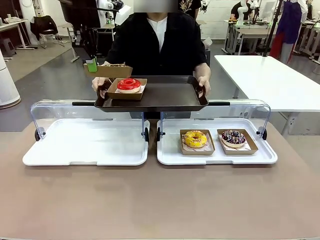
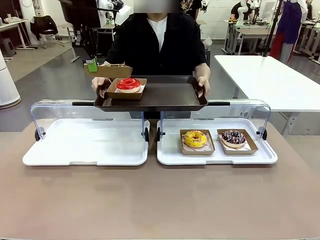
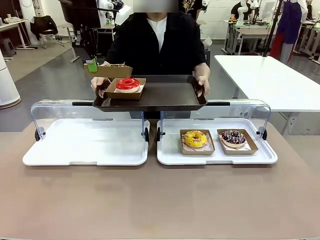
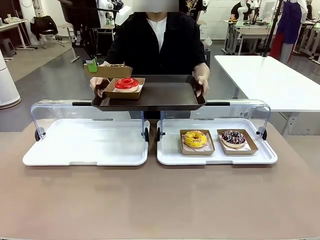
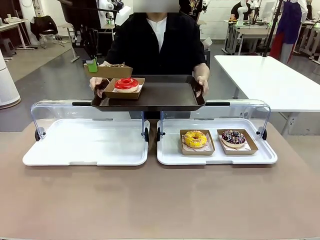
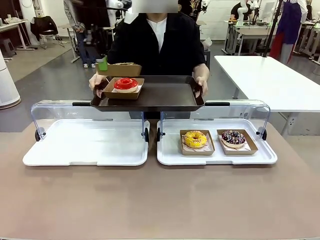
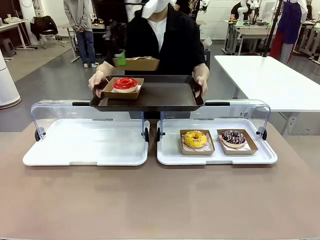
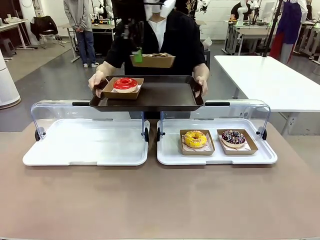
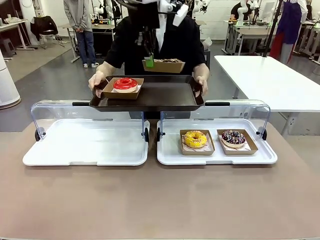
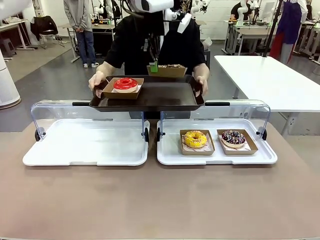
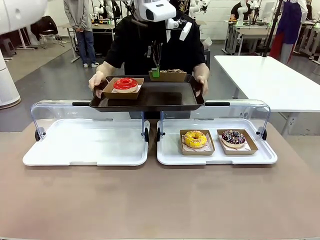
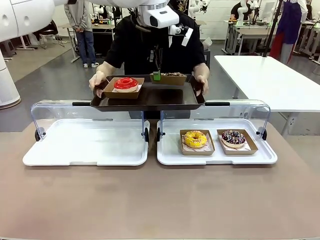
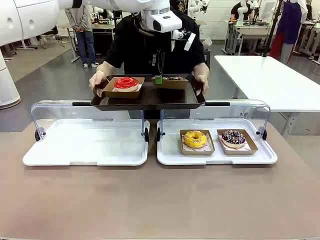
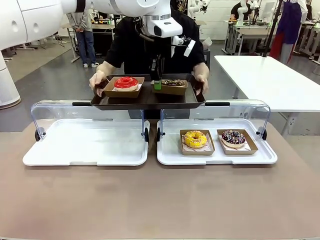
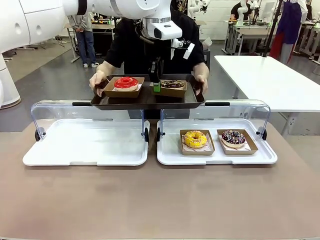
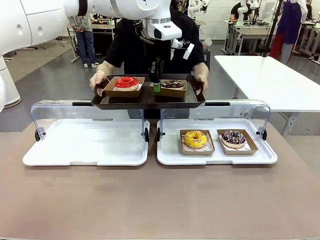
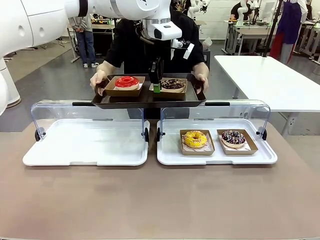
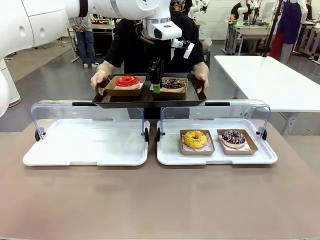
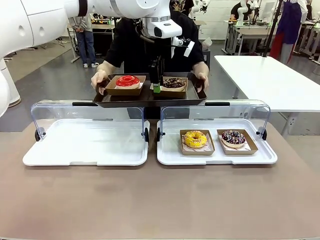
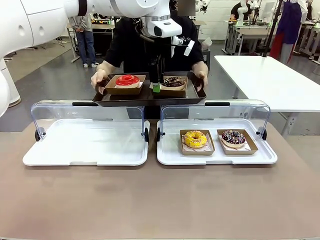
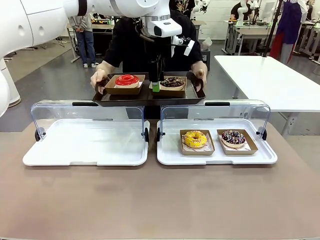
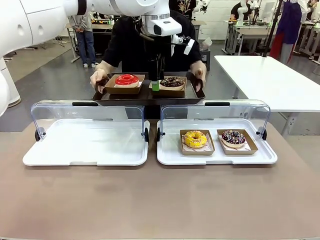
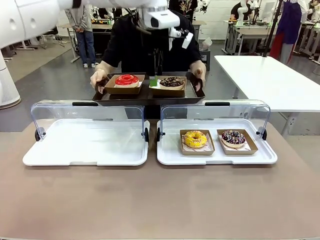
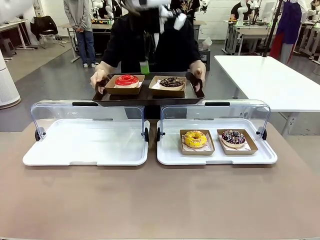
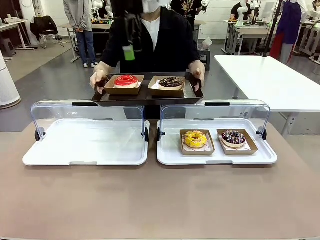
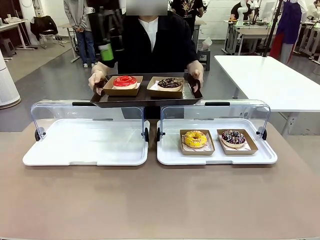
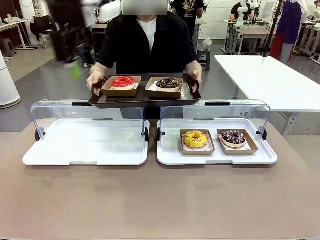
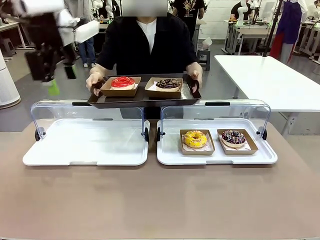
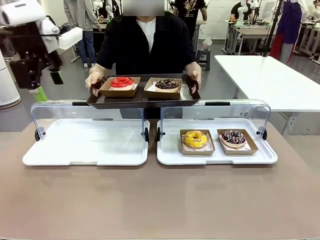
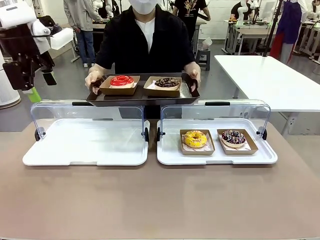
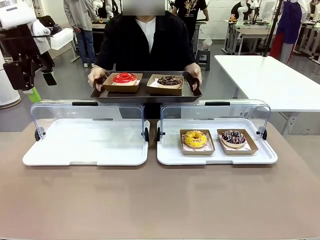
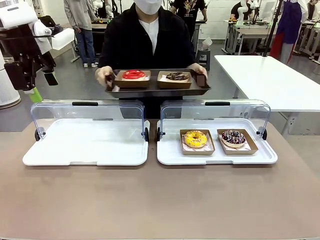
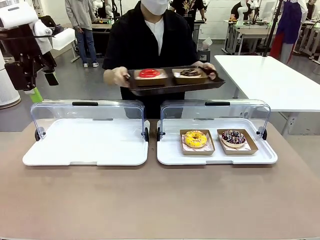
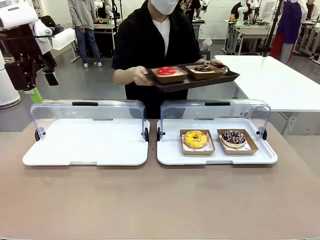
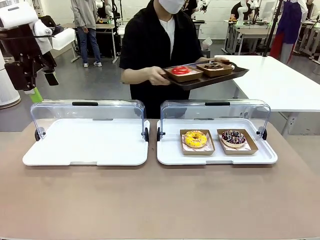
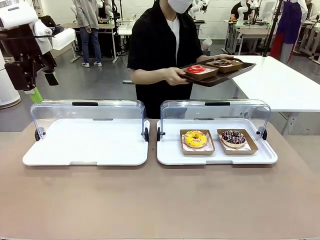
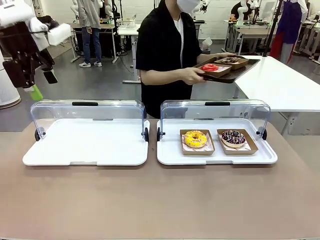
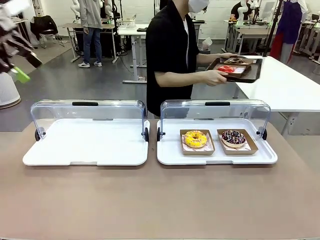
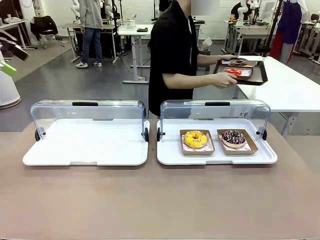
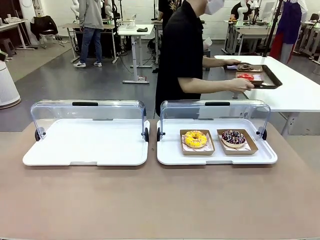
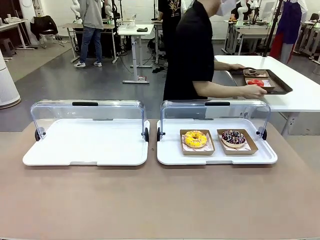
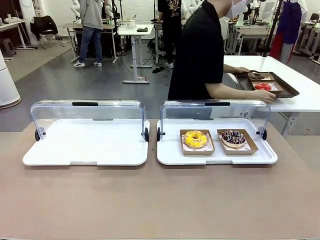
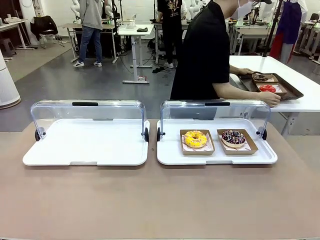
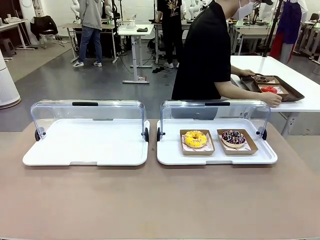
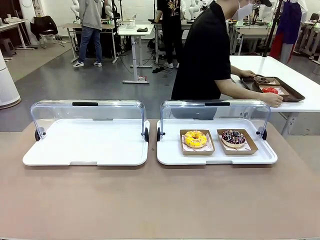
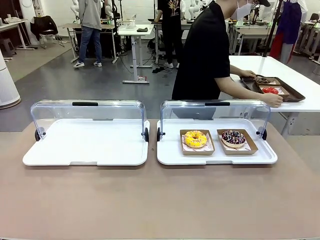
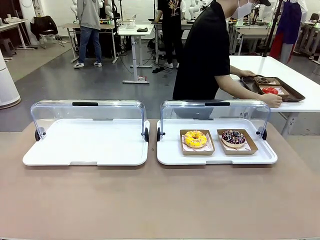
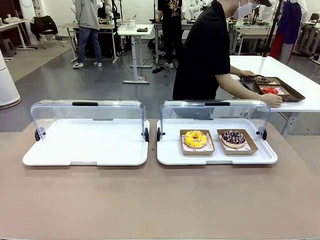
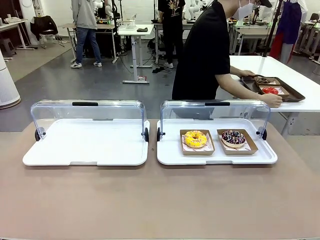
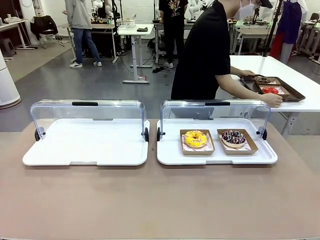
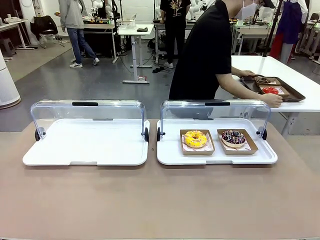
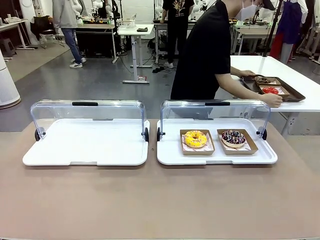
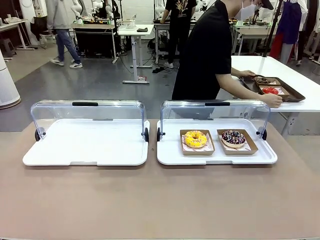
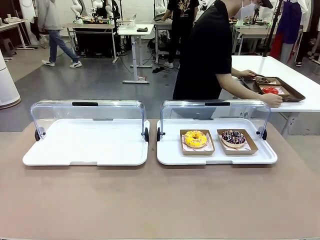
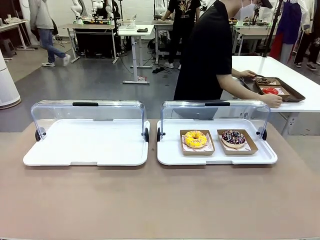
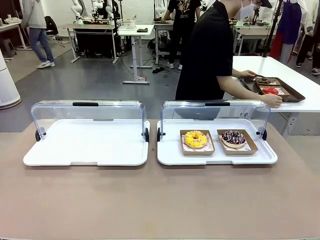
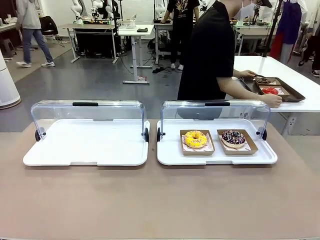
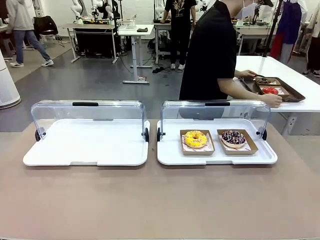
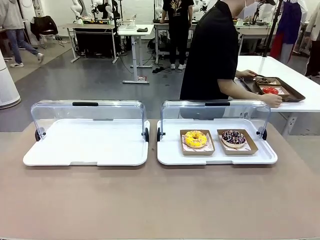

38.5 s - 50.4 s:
Task: Provide the desired donut to the person.
Robot: Place the picked Paper togo box onto the Handle tray extended by the person.
Person: Place the tray in the middle of the human table.

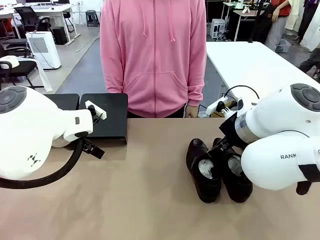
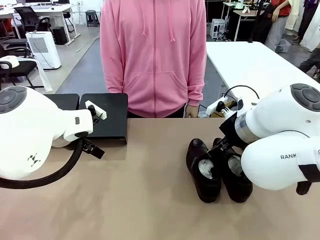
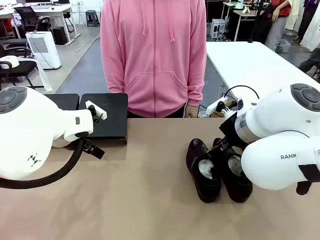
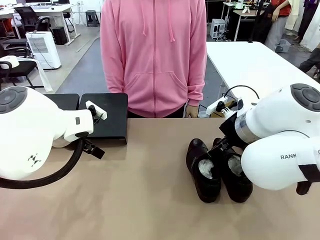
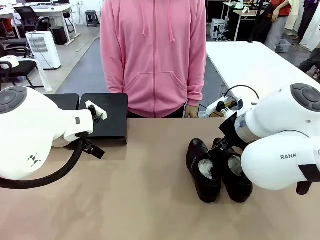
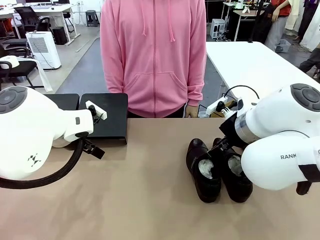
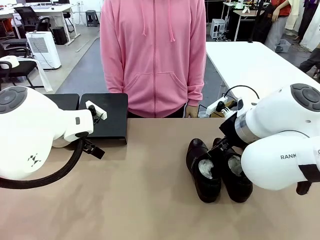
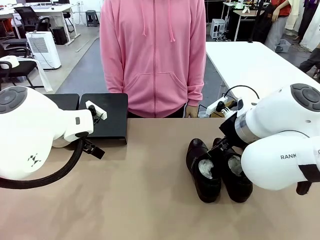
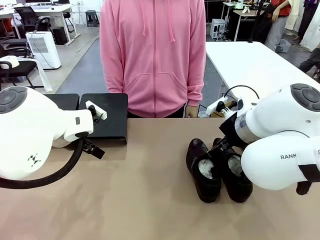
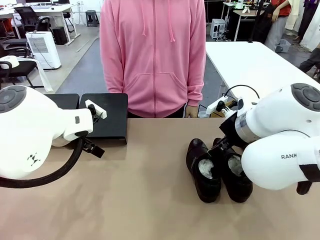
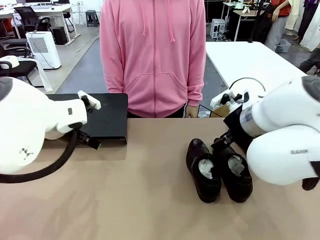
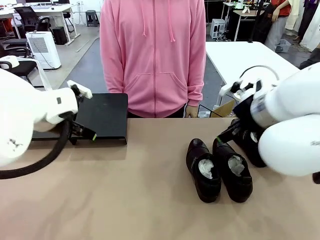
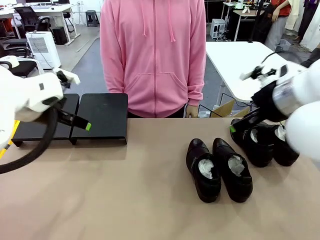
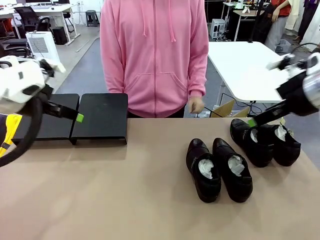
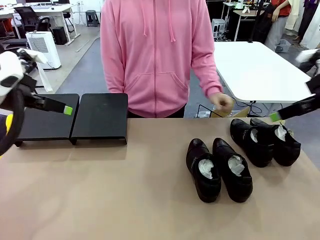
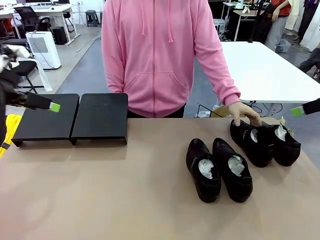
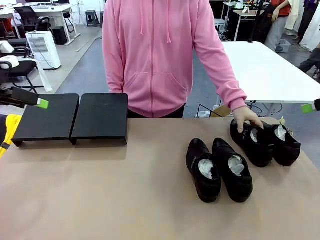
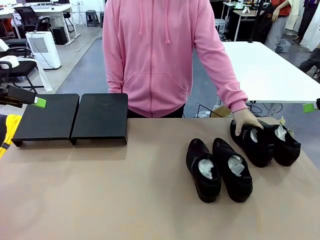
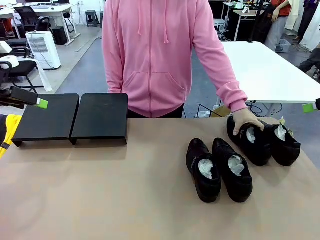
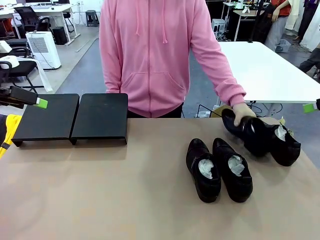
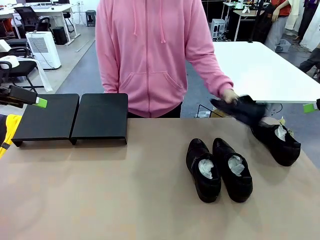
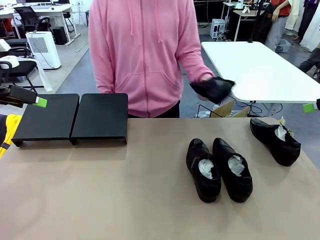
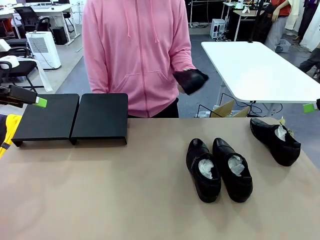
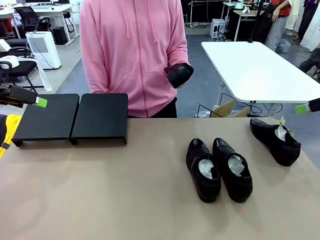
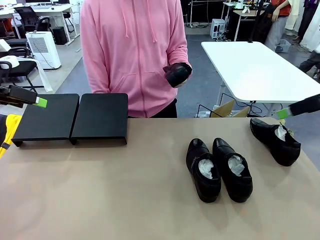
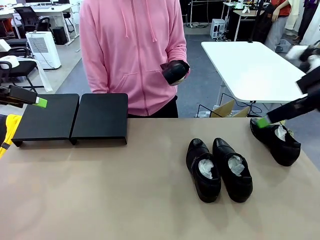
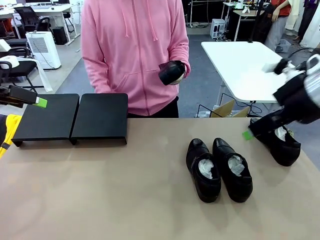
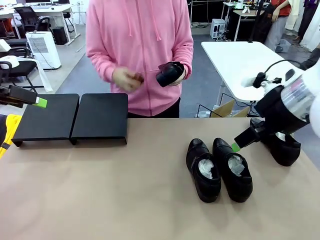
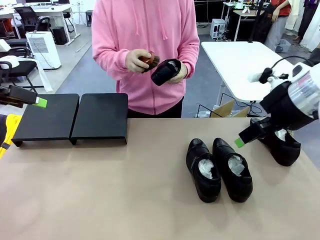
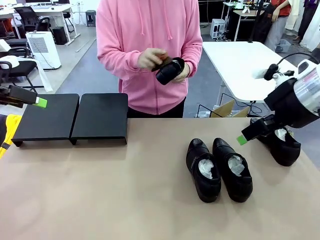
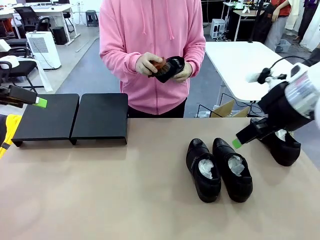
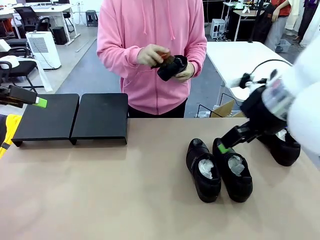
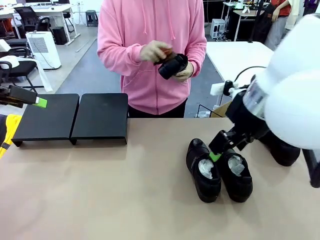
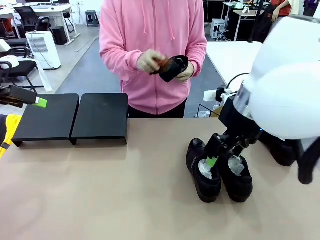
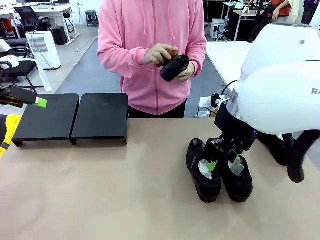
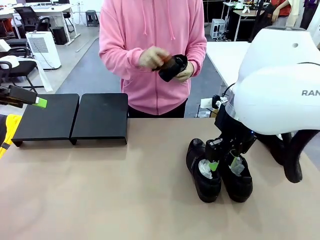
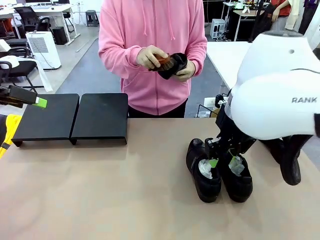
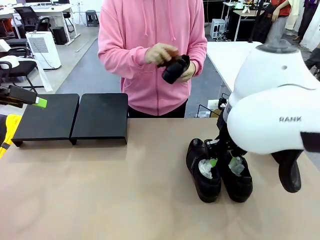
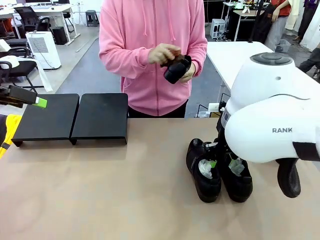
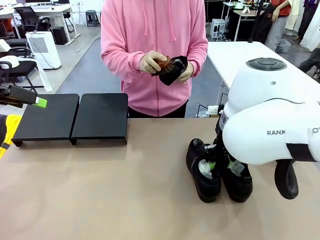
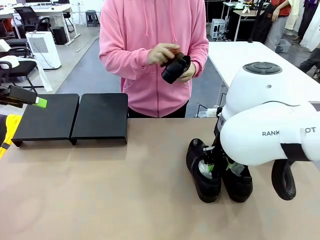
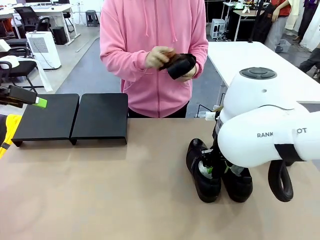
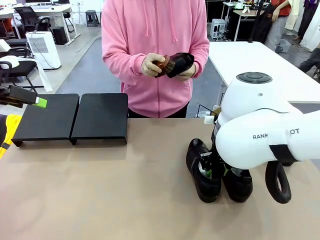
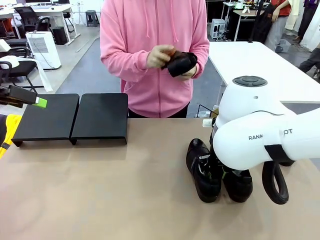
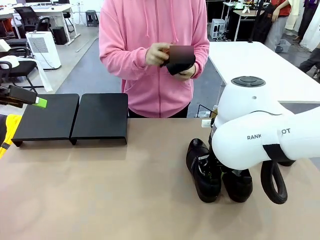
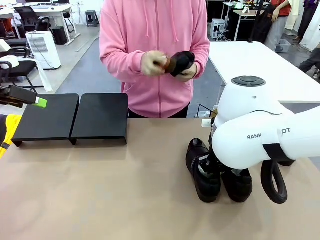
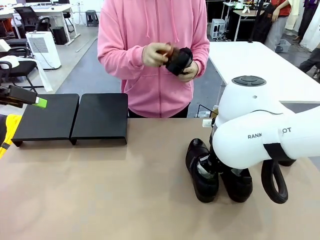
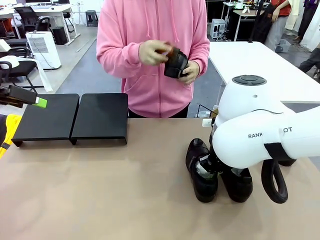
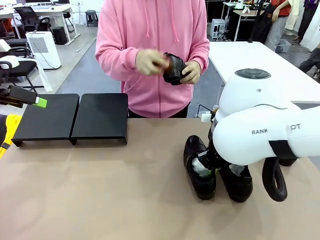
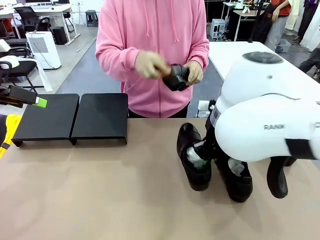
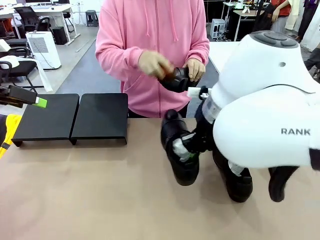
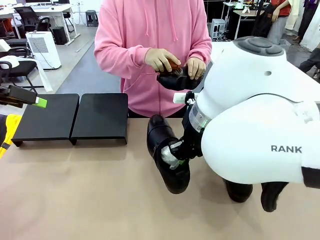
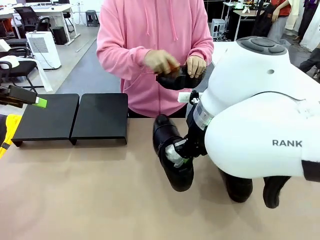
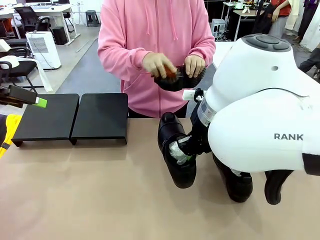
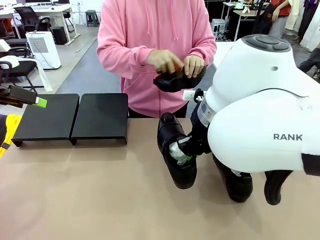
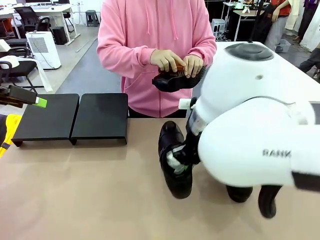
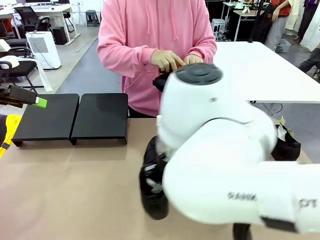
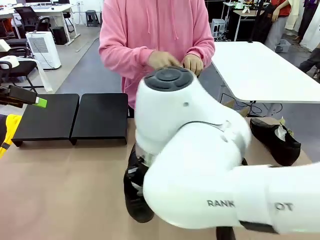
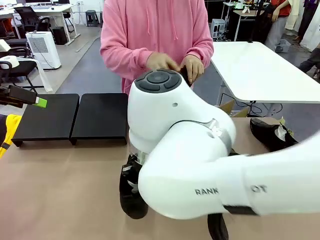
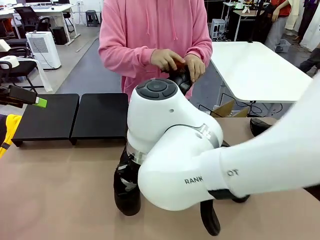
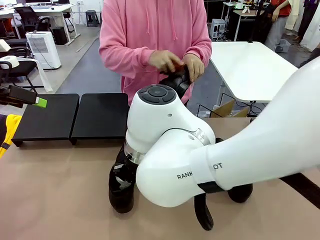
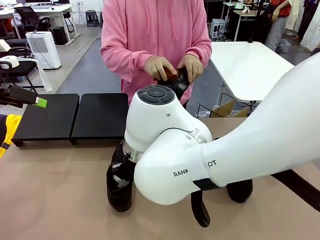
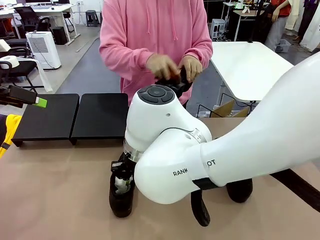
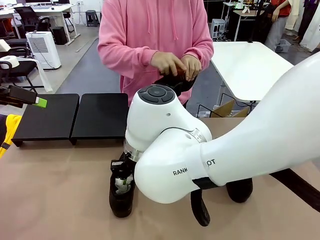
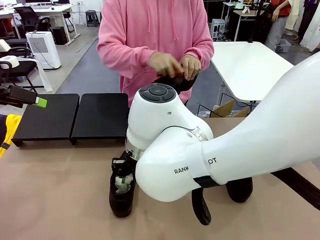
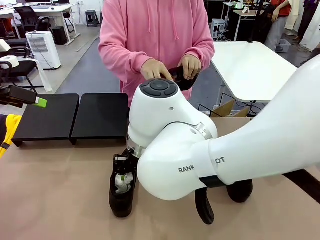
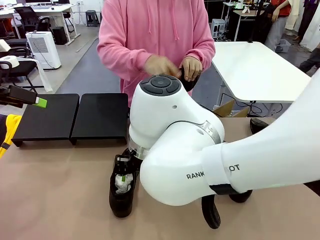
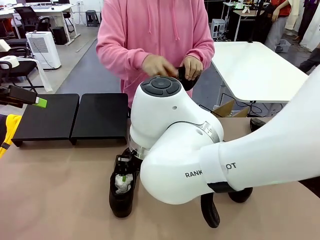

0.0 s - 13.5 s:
Task: Organize the shoes by placing them on the stand.
Robot: Pick up one Shoe and place it in the middle of the table.
Person: Pick one Shoe on Robot's table.
